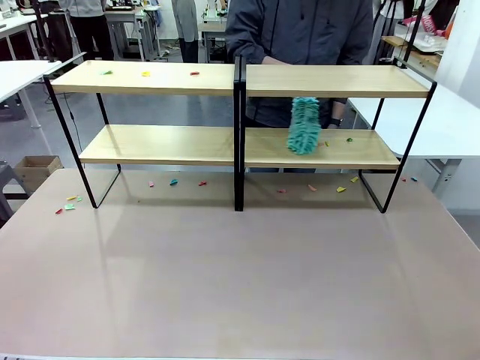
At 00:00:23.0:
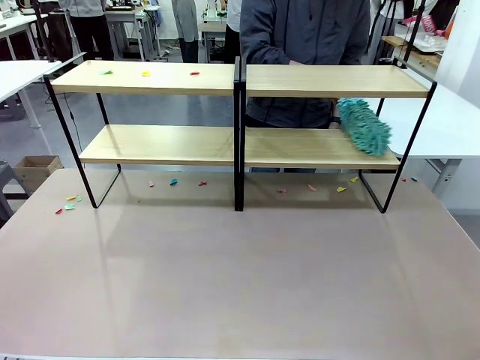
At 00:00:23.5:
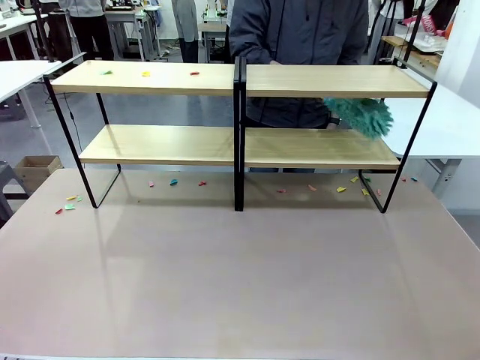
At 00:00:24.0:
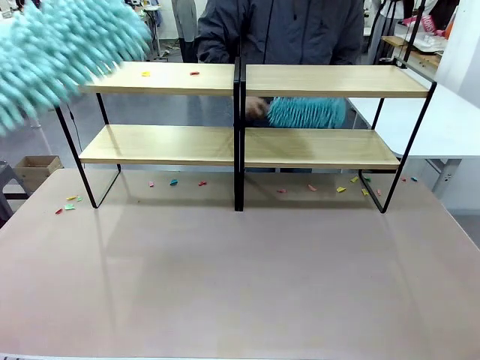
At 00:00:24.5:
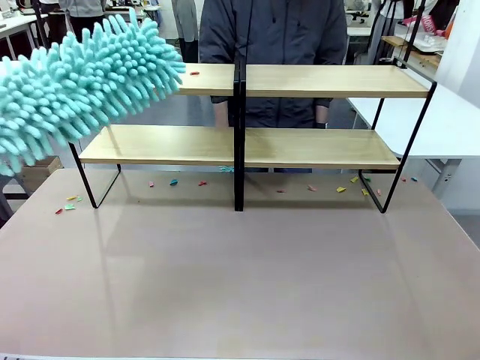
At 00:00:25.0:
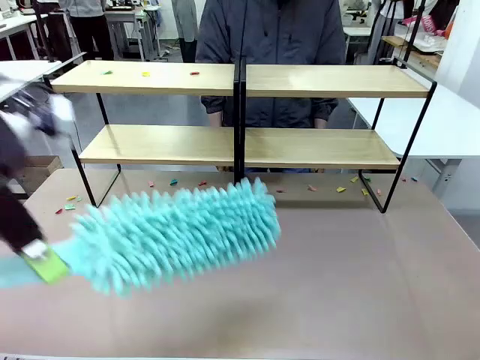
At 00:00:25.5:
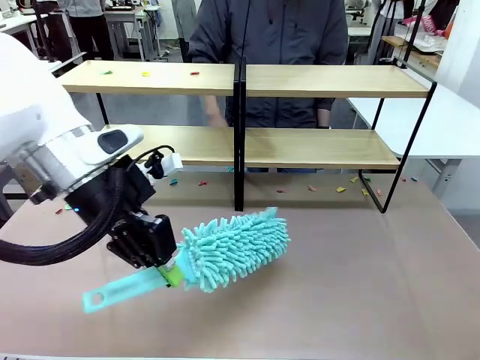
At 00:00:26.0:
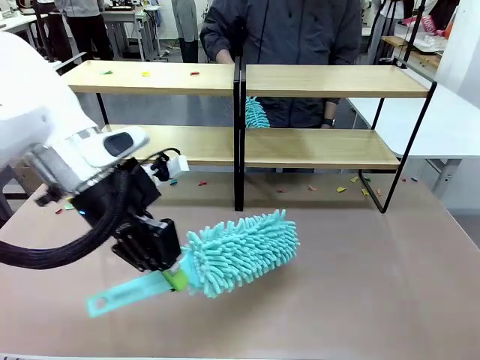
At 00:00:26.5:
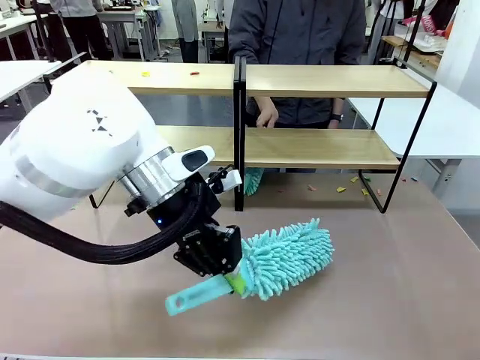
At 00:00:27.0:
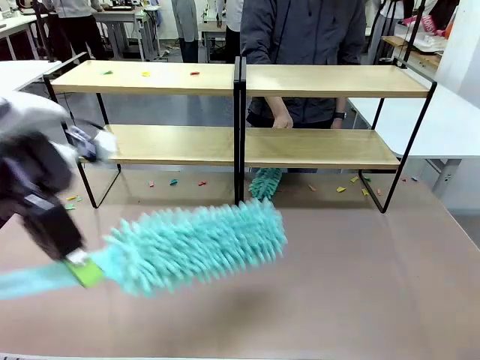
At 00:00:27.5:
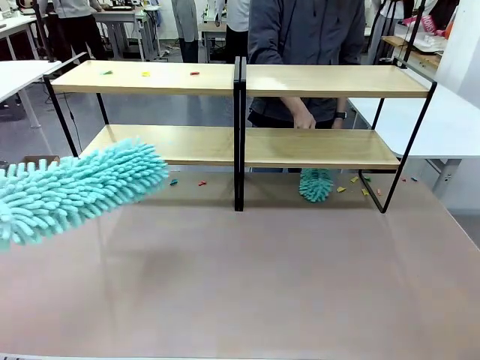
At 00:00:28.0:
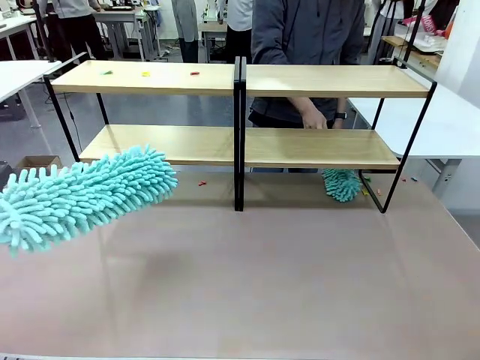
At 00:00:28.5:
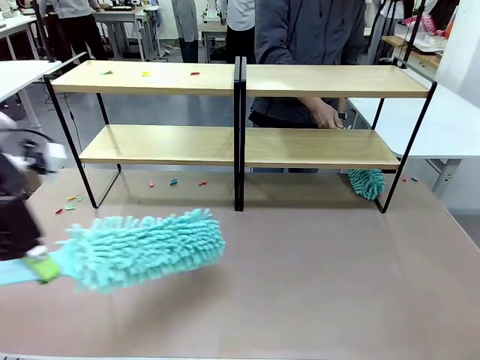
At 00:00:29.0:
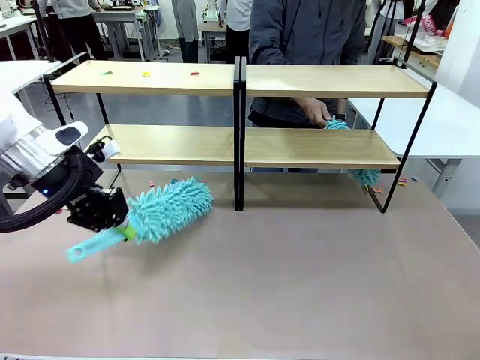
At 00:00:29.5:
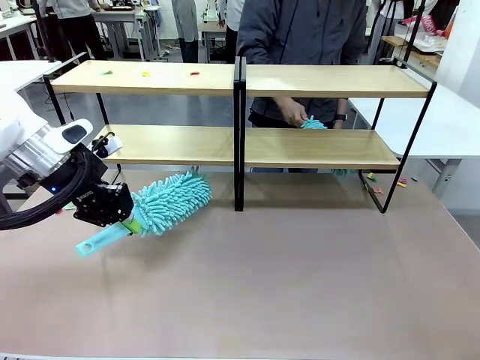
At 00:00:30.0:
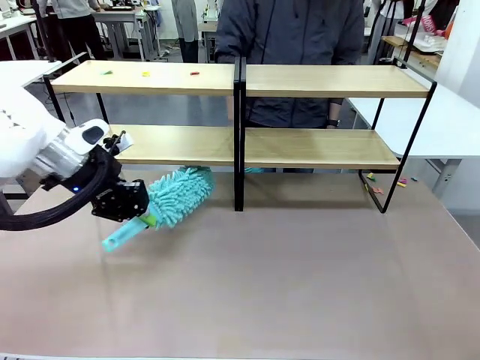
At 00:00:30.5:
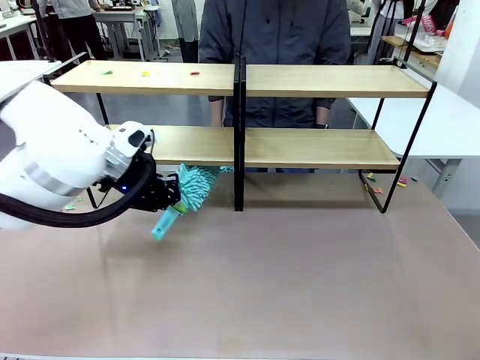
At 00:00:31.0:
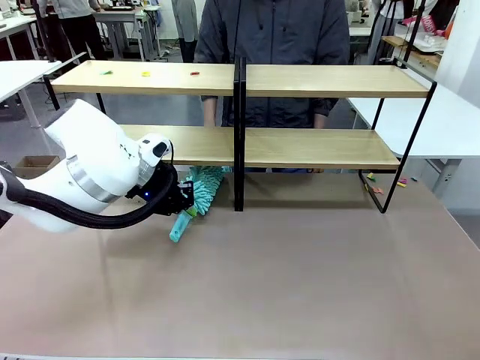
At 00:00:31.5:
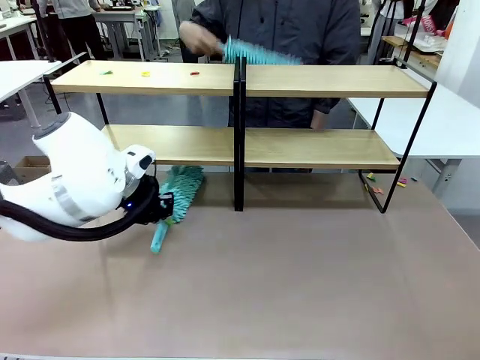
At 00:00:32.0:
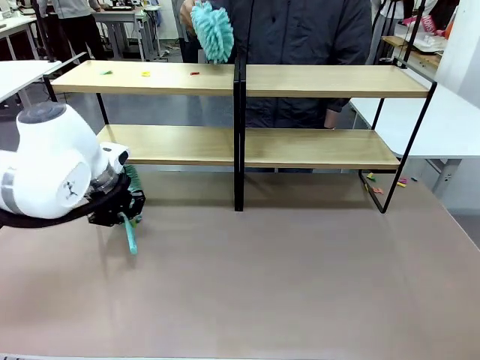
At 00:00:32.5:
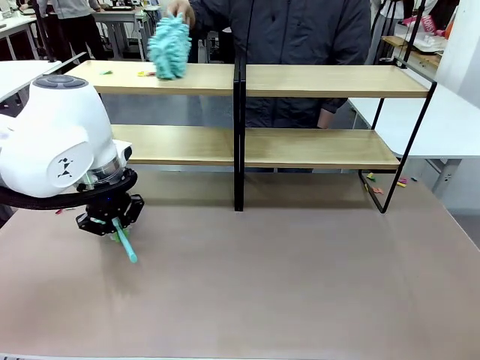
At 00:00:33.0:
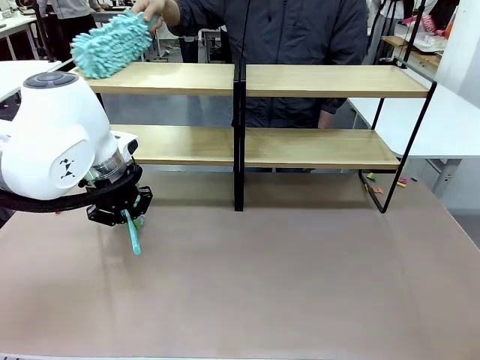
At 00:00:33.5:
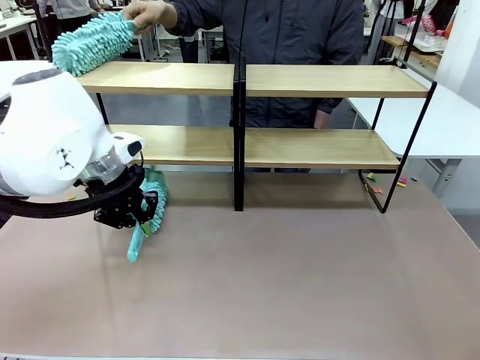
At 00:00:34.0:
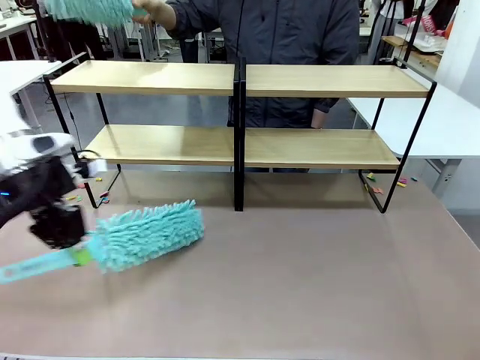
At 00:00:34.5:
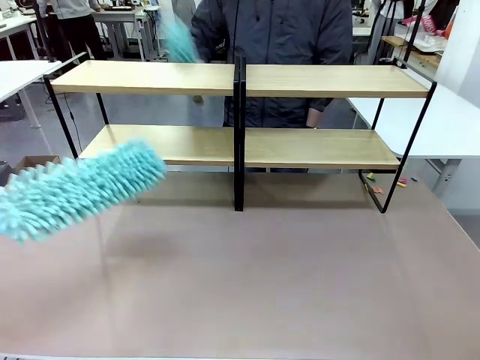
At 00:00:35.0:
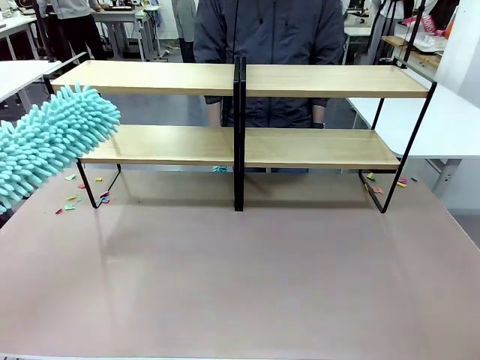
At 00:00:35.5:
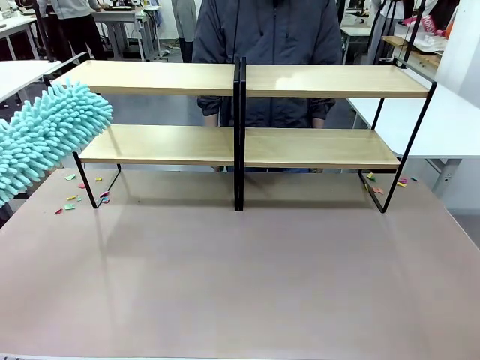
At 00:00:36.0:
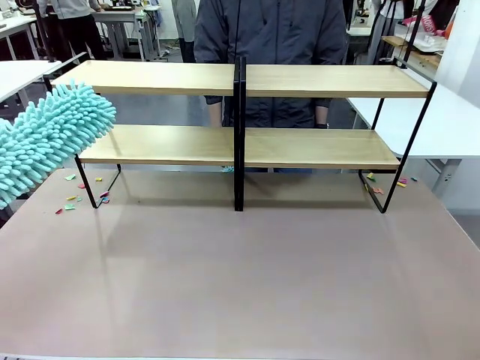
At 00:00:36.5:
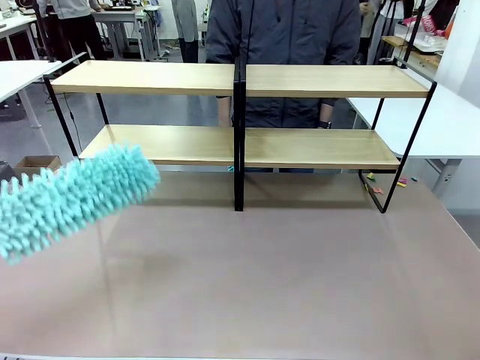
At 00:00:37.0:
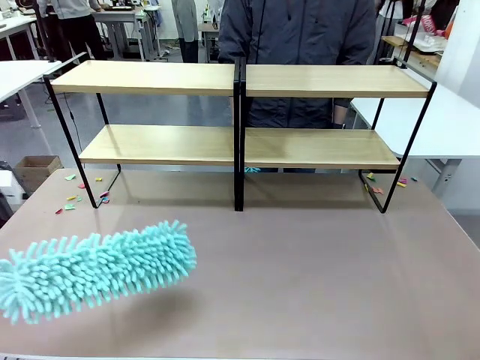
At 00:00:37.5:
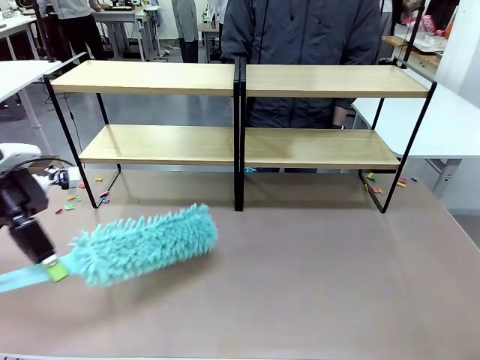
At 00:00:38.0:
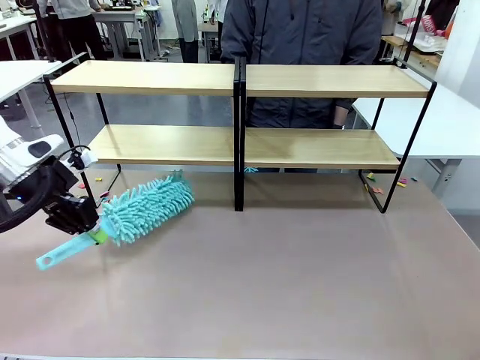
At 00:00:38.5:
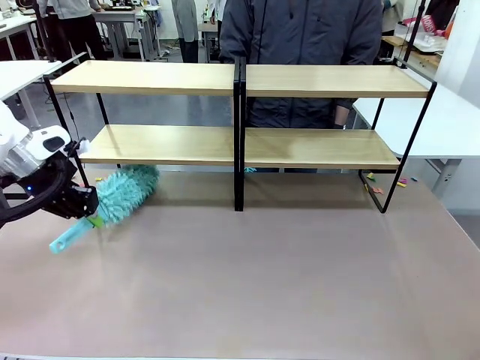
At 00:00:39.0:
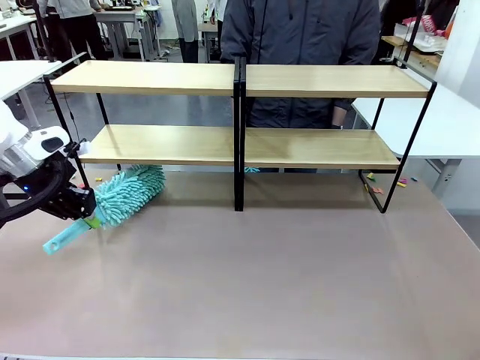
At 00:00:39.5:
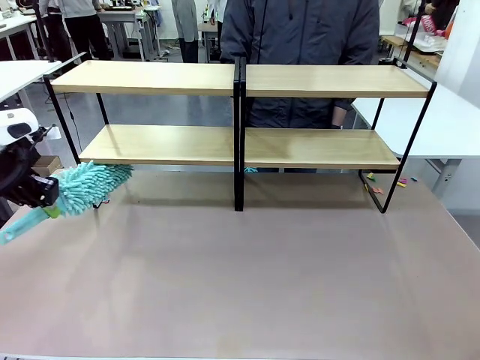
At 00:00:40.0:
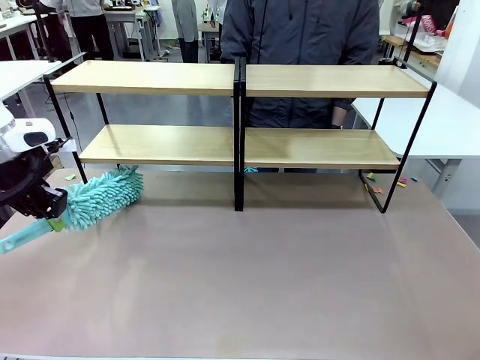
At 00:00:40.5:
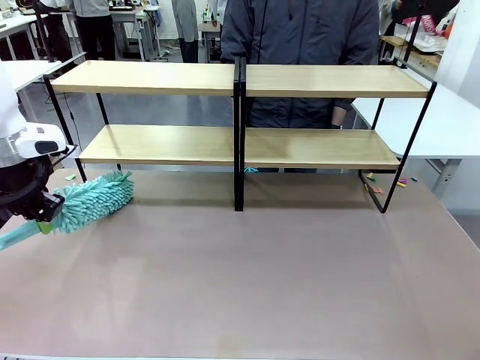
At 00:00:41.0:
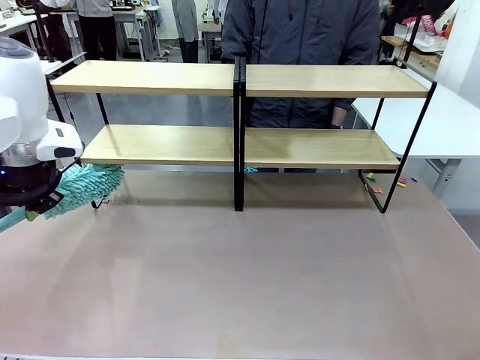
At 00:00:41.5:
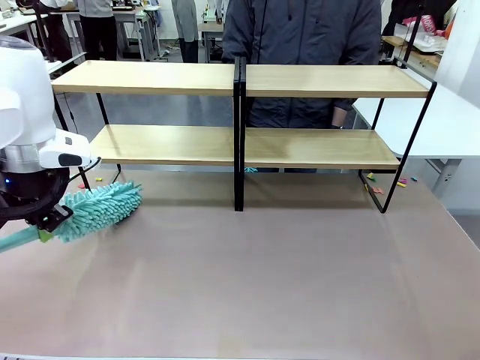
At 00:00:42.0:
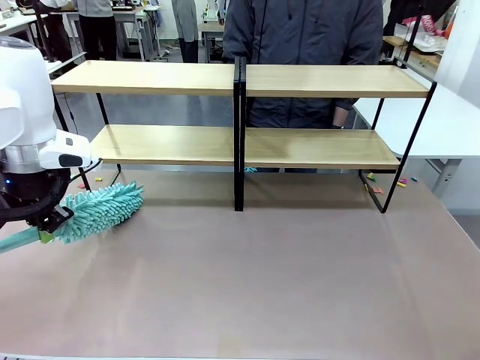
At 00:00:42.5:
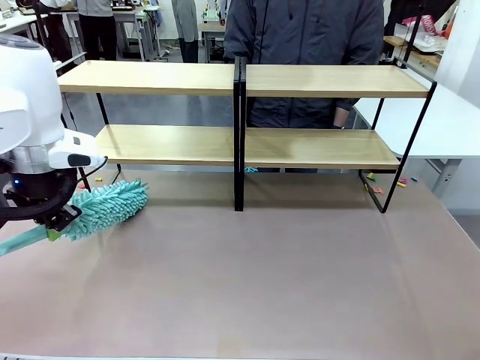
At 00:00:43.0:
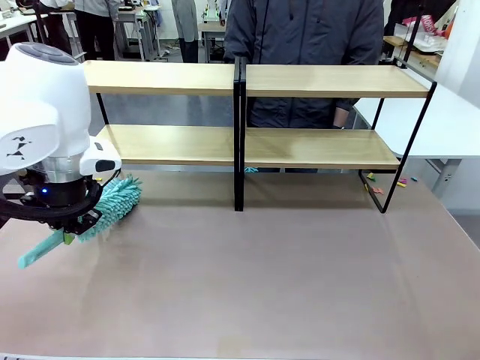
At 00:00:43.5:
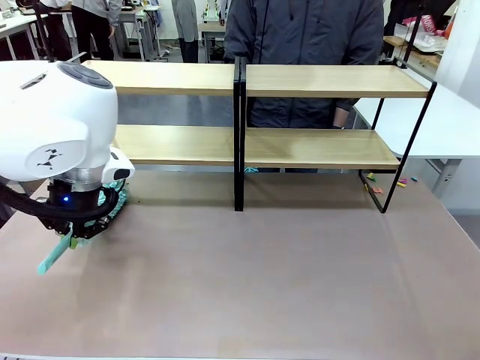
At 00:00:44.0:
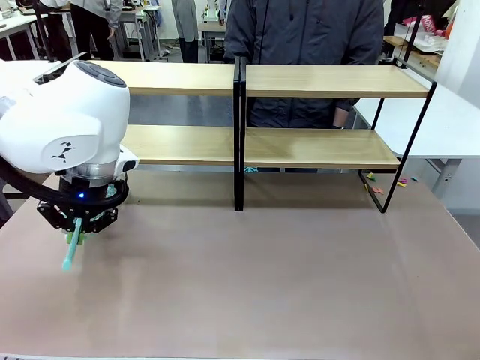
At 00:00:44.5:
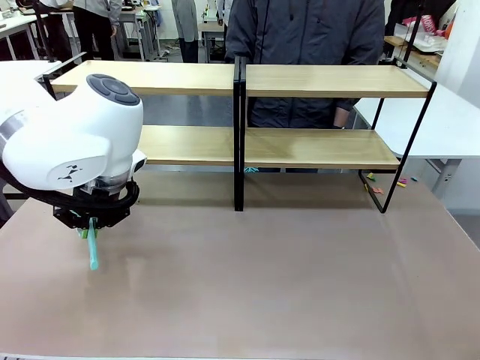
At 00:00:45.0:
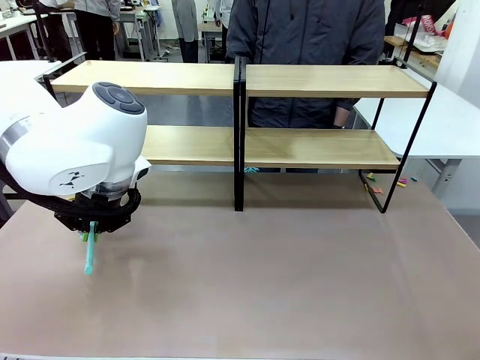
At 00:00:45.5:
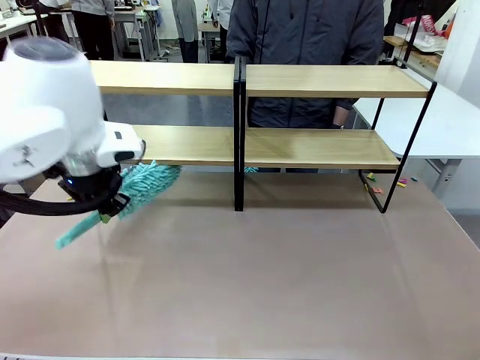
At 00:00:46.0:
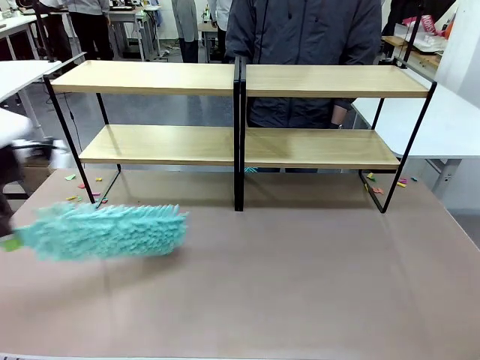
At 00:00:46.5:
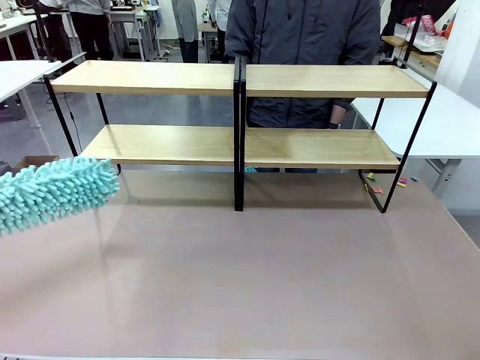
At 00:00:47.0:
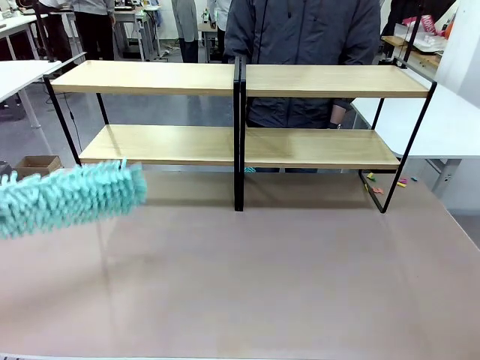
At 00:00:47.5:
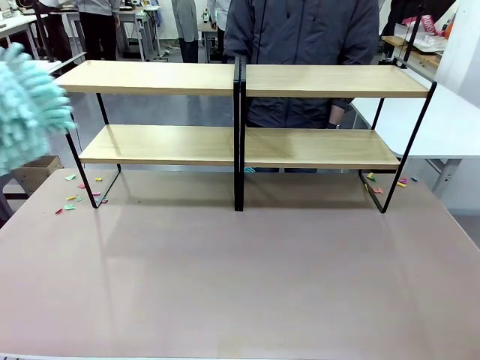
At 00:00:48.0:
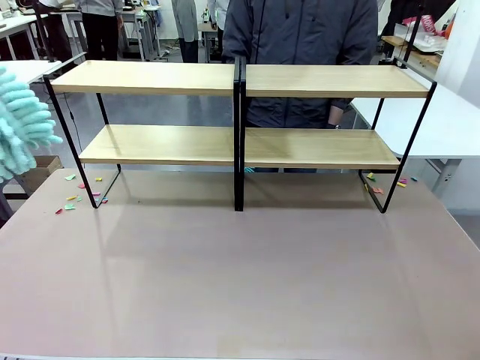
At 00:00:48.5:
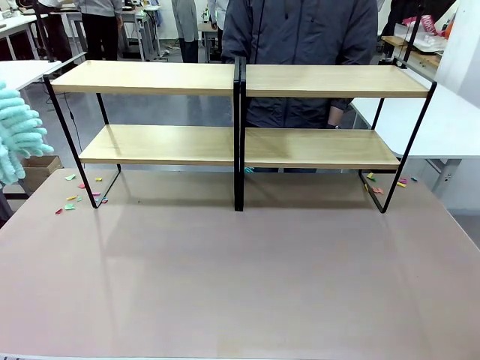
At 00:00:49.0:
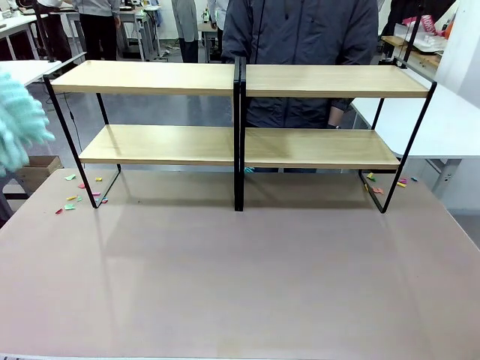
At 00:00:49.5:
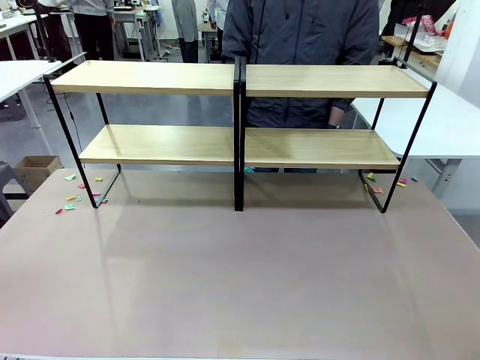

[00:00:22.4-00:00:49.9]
Task: Clean the shelves.
Robot: Clean another randomly selected level of the Shelf with the Duster.
Person: Clean a randomly selected level of the Shelf with the Duster.
